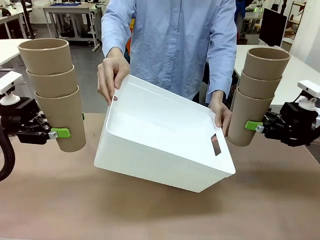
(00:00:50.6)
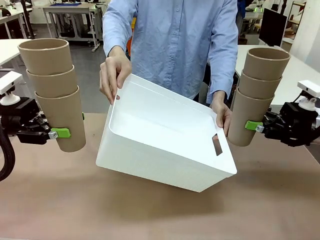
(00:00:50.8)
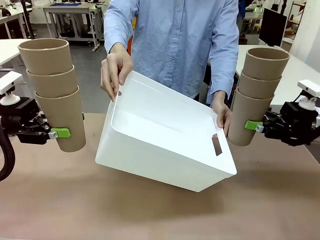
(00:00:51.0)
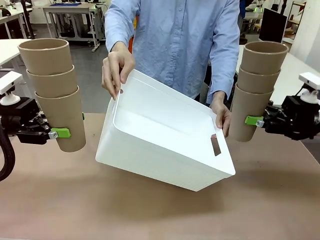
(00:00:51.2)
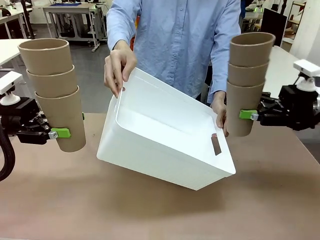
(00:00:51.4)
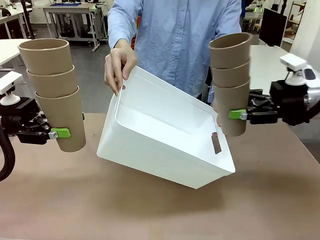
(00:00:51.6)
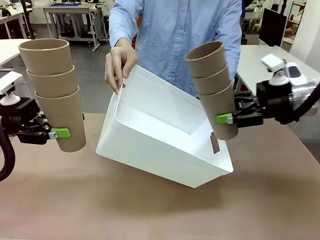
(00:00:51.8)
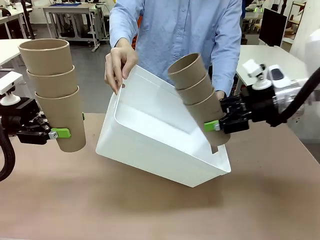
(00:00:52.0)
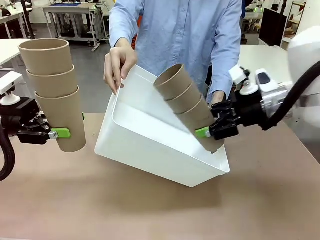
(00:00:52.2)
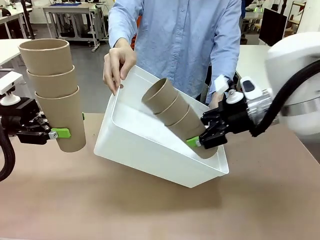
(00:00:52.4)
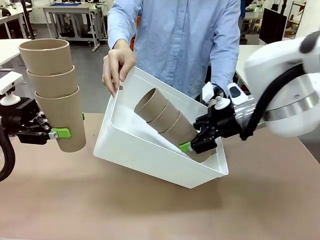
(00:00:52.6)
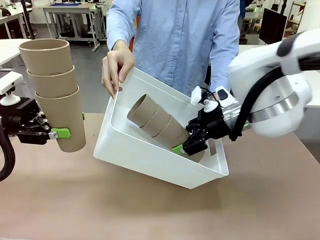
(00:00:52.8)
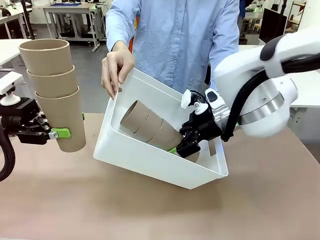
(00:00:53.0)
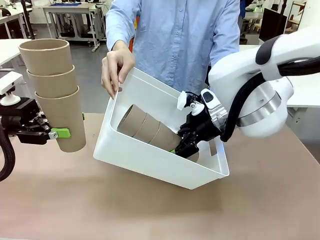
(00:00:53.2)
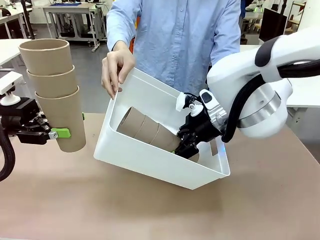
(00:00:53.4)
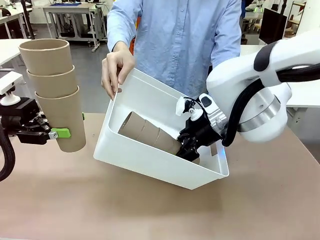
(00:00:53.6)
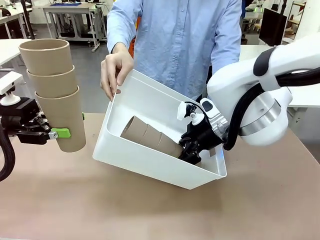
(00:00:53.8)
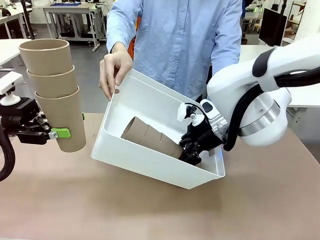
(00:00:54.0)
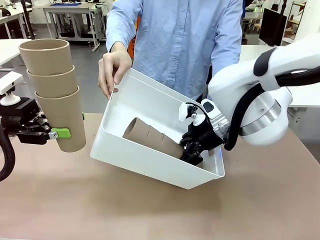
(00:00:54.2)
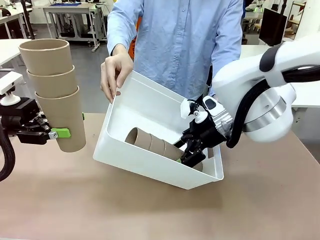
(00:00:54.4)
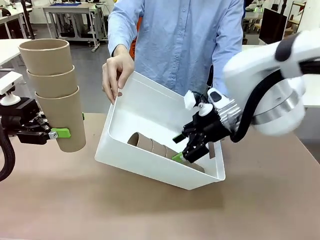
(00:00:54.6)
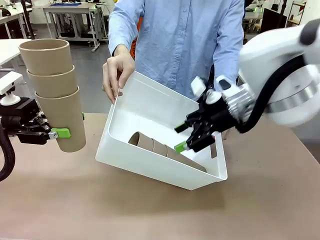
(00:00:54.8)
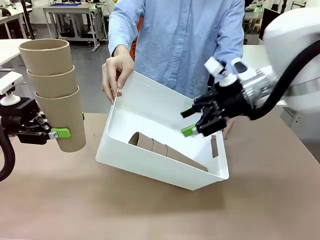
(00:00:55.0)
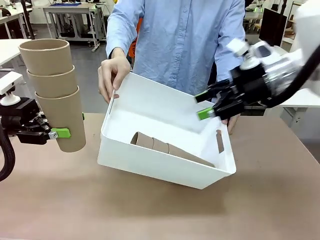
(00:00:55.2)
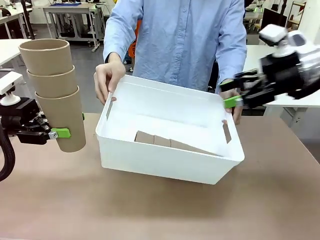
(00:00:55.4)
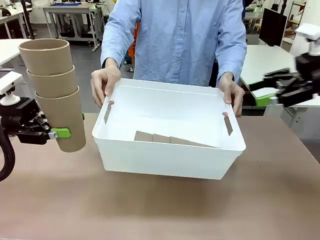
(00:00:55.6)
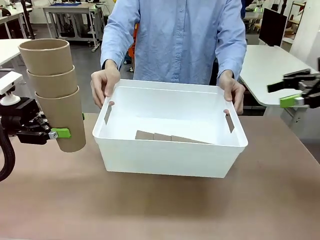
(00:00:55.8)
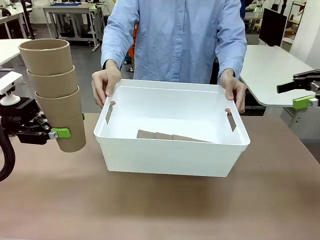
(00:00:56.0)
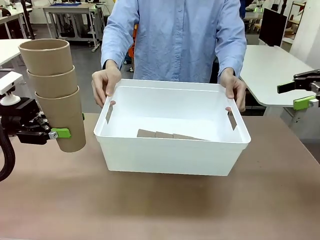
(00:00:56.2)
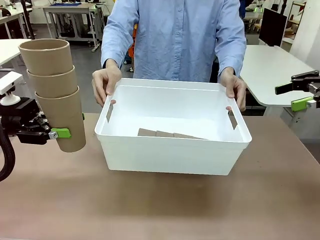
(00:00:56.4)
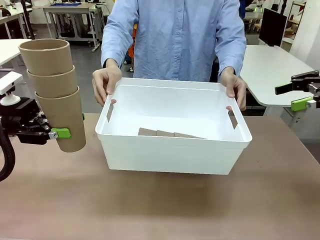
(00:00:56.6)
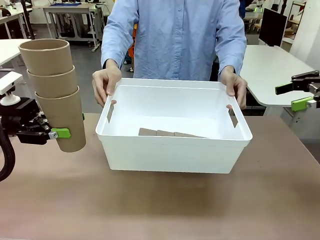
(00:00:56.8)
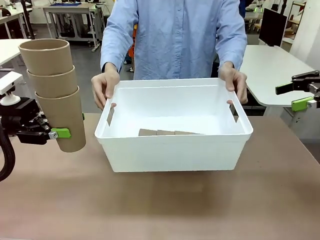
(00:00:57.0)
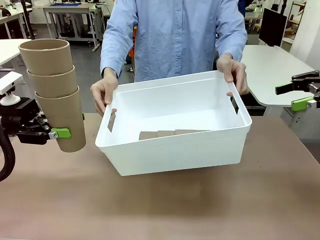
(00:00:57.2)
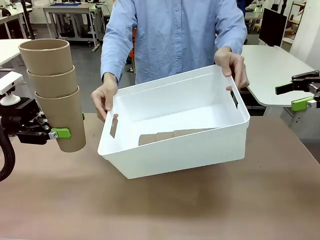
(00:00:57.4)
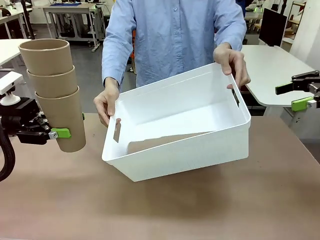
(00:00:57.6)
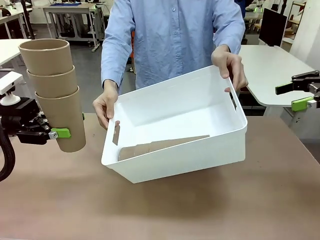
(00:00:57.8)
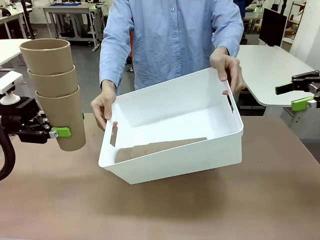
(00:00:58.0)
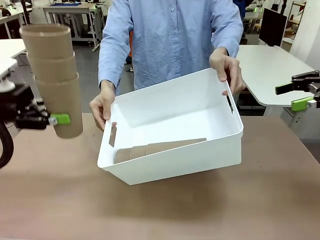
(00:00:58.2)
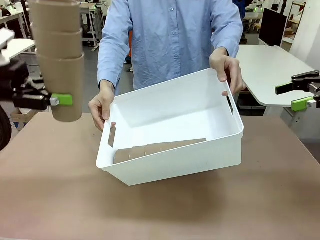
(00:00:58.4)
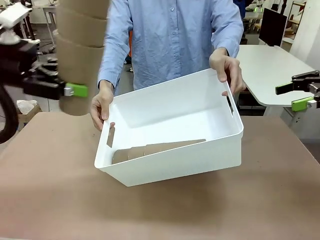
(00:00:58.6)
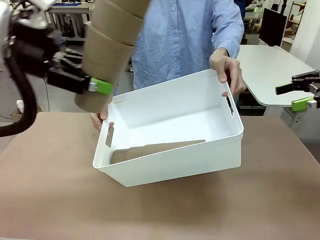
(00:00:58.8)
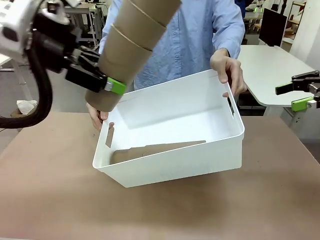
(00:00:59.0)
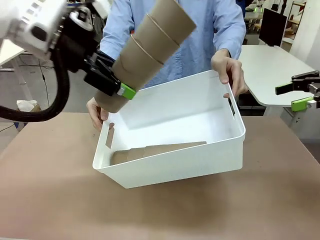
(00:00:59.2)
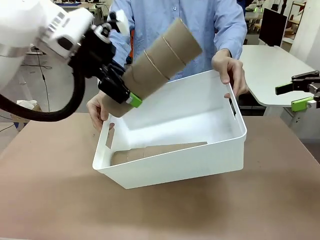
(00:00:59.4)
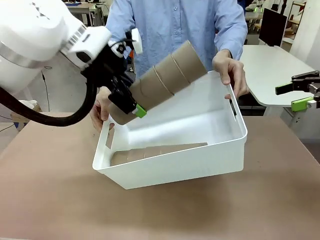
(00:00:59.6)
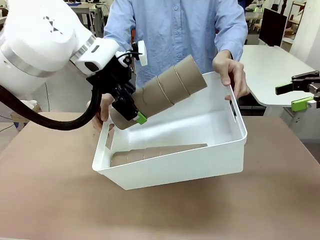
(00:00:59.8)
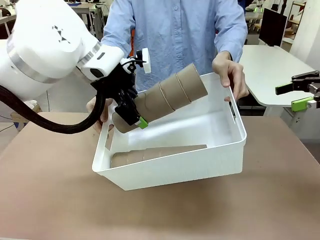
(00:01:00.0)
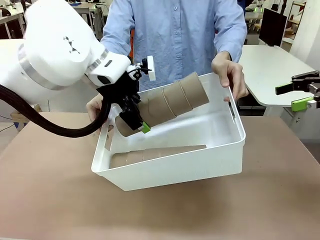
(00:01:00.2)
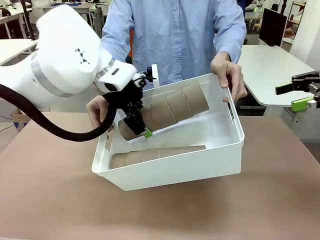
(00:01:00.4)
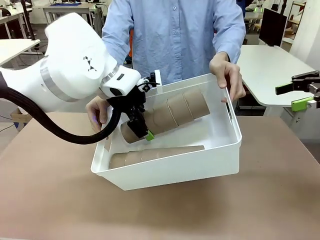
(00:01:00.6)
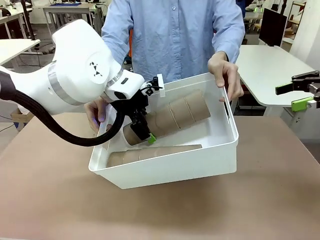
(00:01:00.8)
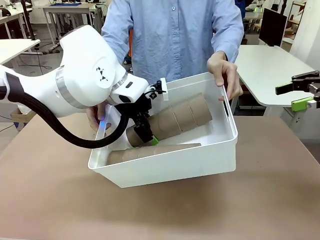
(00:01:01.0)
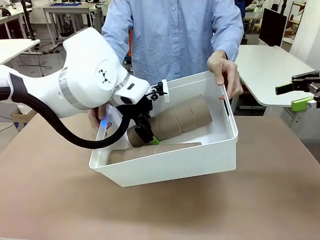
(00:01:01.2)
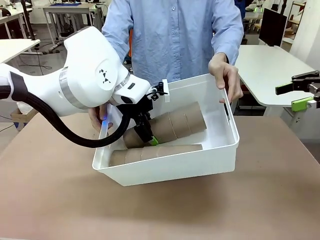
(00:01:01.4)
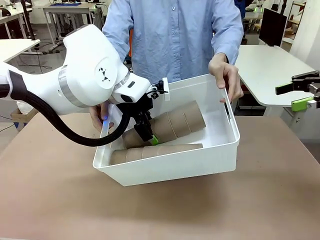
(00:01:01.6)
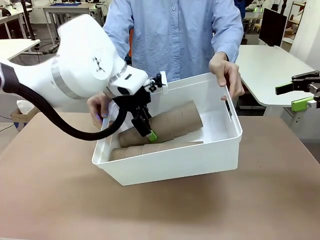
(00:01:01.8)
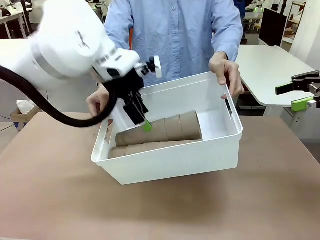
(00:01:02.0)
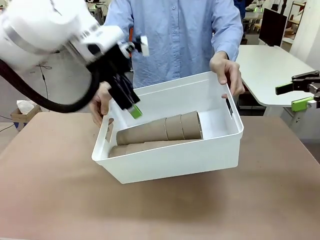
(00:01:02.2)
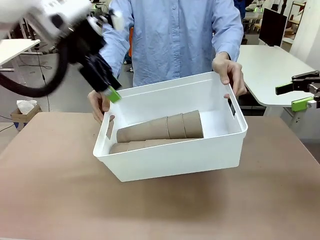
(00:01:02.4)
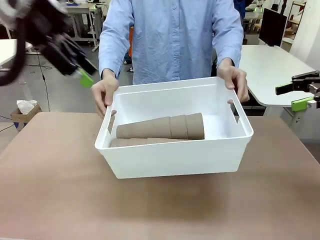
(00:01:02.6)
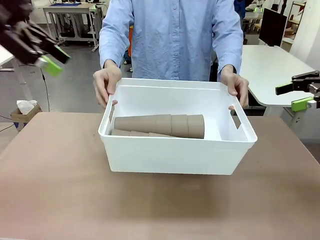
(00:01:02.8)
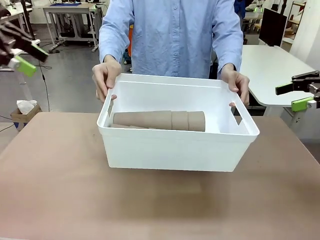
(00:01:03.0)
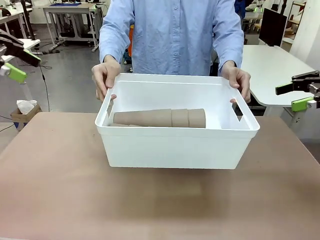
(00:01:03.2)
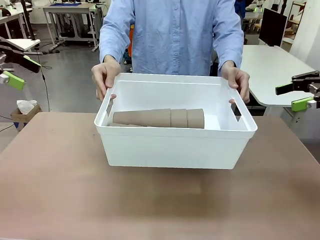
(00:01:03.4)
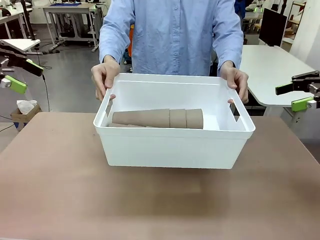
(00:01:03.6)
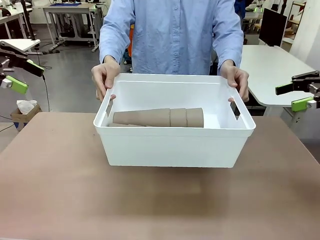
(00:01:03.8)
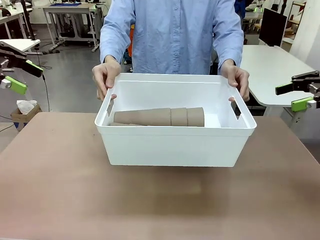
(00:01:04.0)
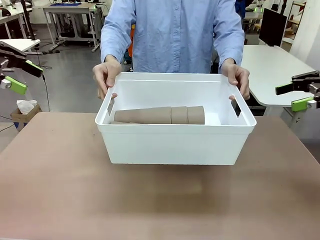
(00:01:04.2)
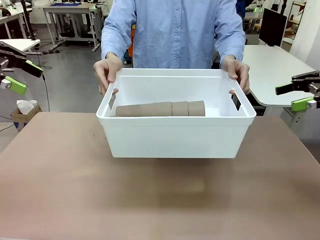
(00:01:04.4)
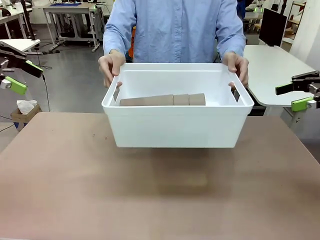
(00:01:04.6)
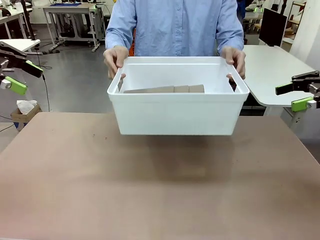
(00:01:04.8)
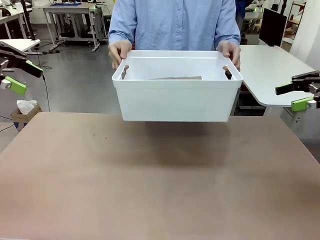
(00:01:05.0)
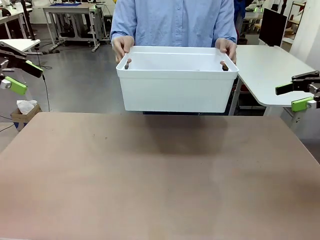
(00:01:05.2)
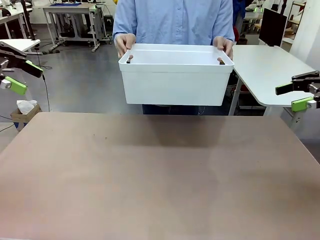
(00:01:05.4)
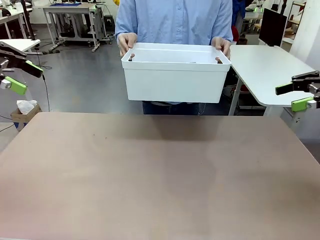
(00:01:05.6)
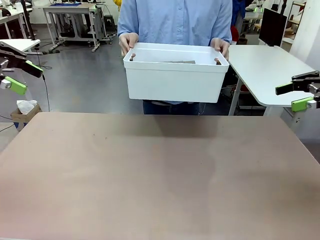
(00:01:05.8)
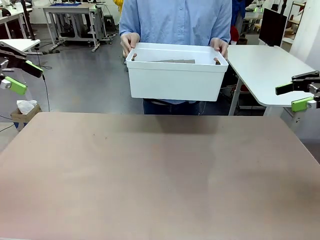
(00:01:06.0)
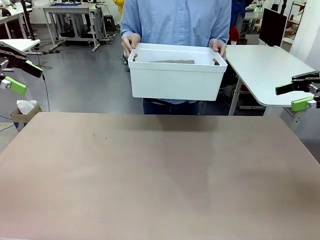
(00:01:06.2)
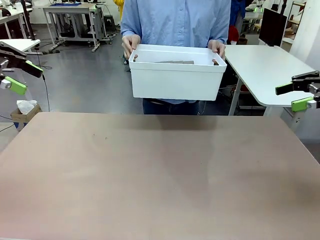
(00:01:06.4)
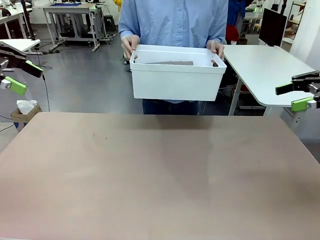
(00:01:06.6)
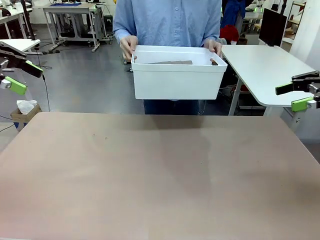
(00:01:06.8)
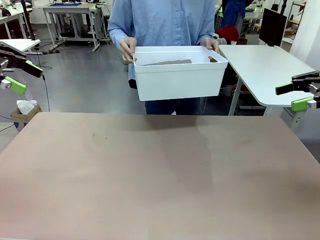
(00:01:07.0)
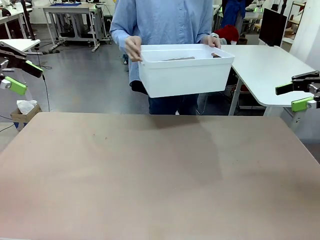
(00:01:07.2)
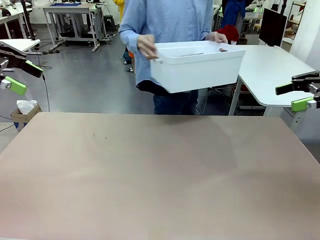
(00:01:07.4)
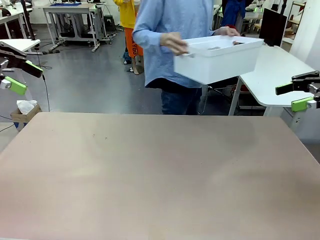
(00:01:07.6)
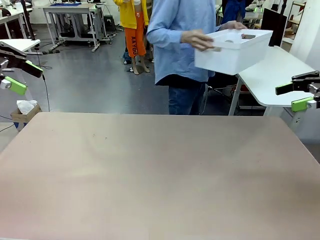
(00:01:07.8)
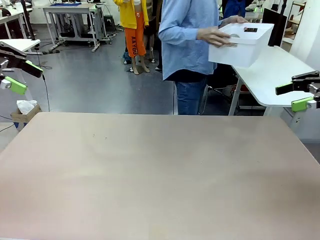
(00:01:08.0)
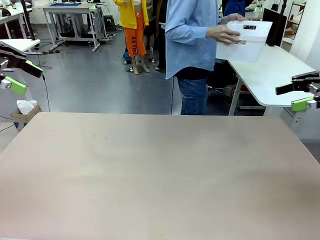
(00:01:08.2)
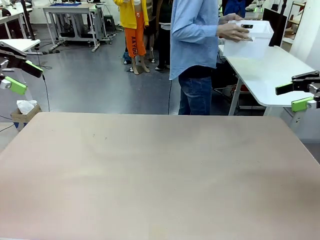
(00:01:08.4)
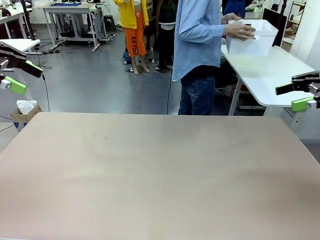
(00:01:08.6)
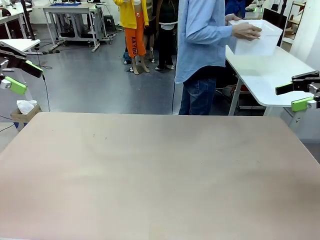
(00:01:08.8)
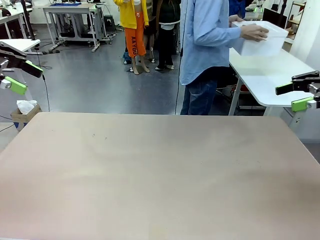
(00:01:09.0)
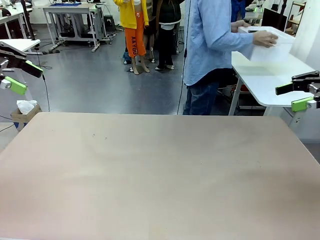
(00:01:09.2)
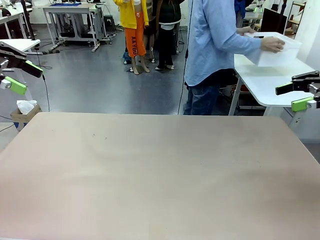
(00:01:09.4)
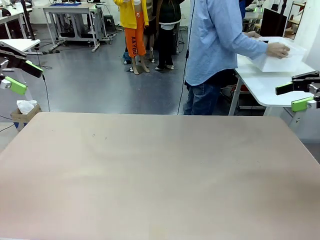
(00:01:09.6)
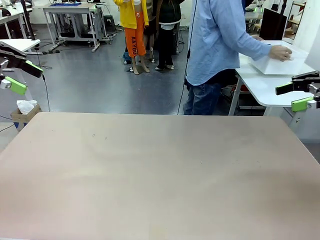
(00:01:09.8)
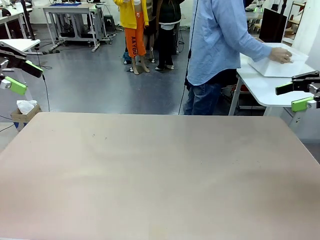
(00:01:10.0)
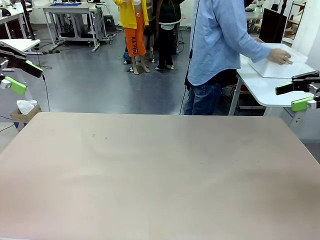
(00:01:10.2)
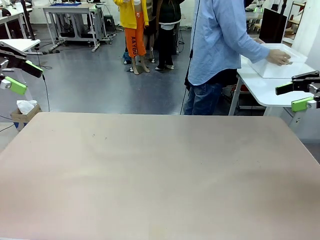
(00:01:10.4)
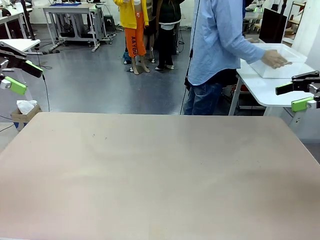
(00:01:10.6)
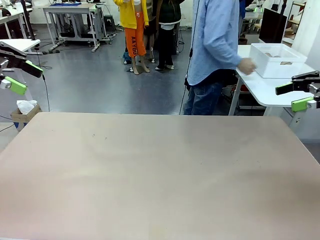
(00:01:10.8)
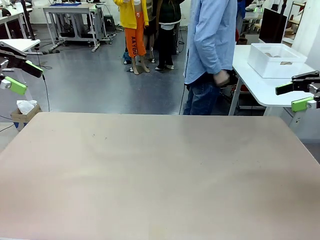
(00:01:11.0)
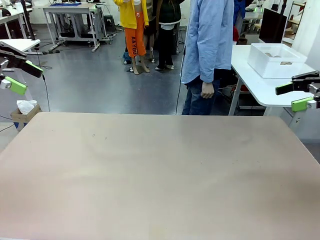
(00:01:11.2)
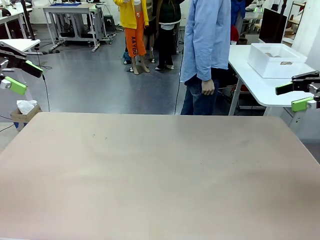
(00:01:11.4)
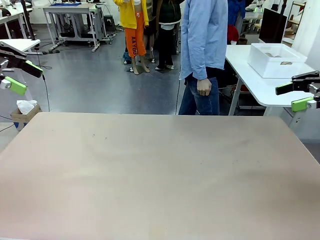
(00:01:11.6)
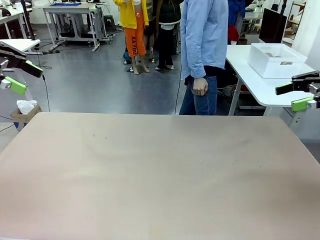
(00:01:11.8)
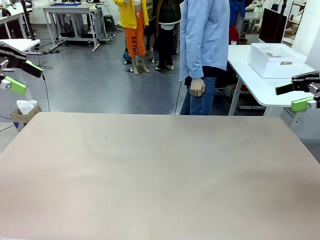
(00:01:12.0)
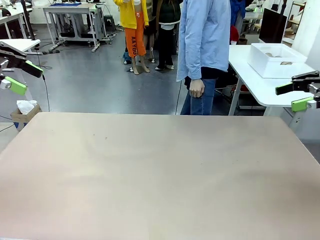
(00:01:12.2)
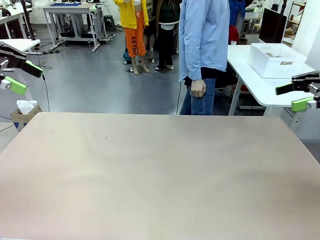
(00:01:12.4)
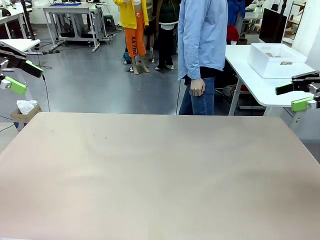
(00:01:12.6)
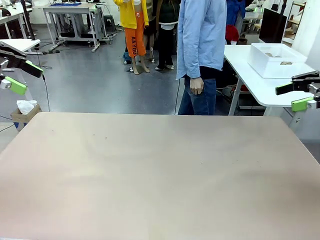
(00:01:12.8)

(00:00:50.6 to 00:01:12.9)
Task: Stack the cups and store them in the basket.
Robot: Place the stack of Reusable plastic cups into the Pantry Basket.
Person: Place the basket containing the cups in the middle of the Human Table.
